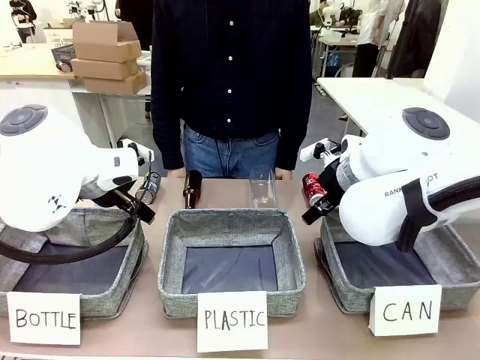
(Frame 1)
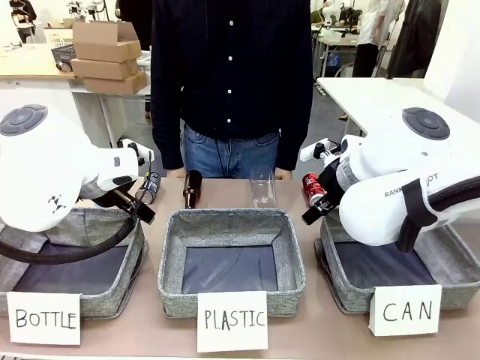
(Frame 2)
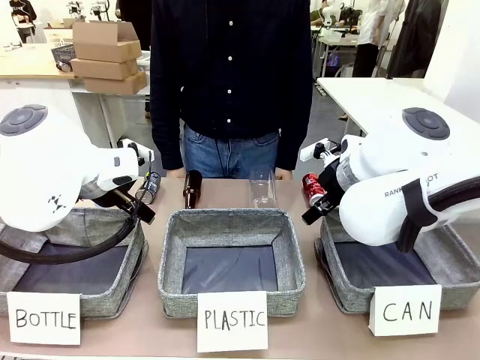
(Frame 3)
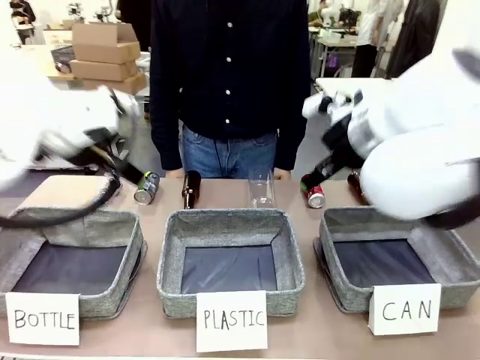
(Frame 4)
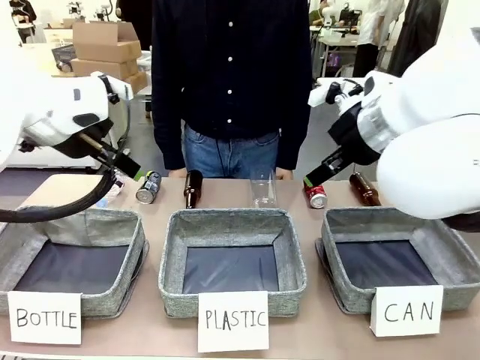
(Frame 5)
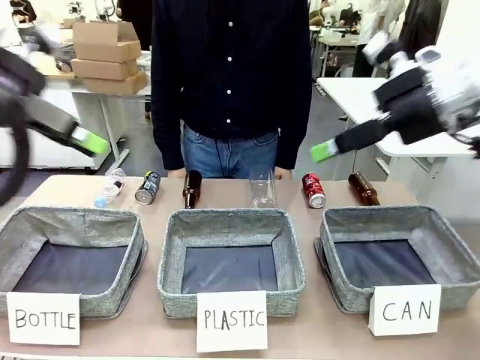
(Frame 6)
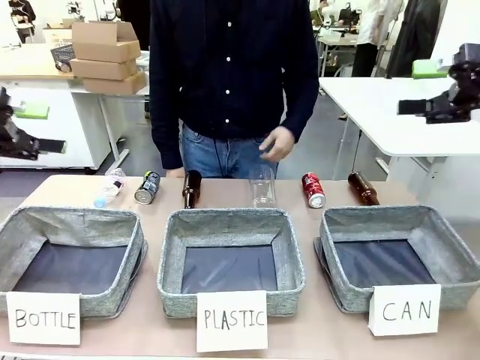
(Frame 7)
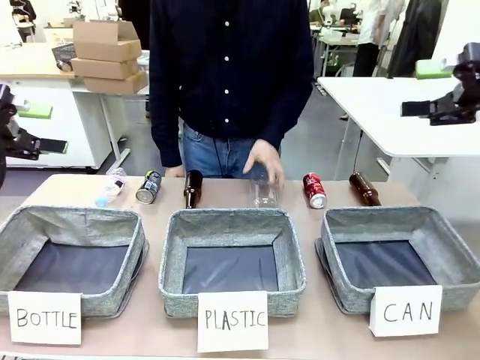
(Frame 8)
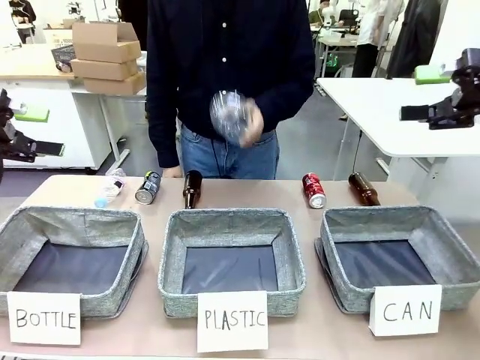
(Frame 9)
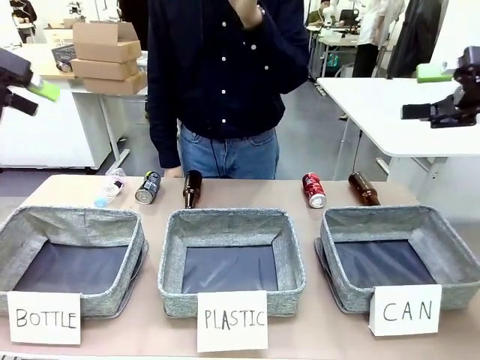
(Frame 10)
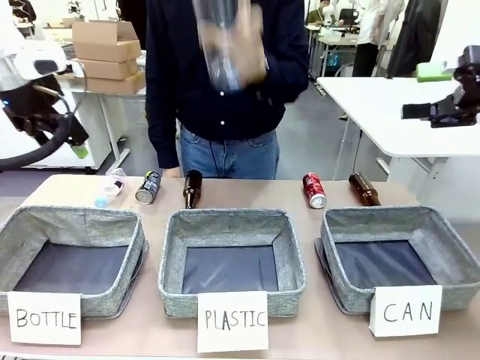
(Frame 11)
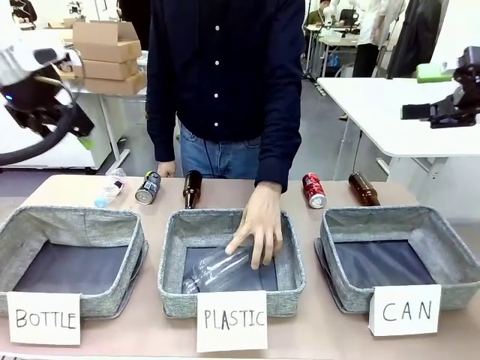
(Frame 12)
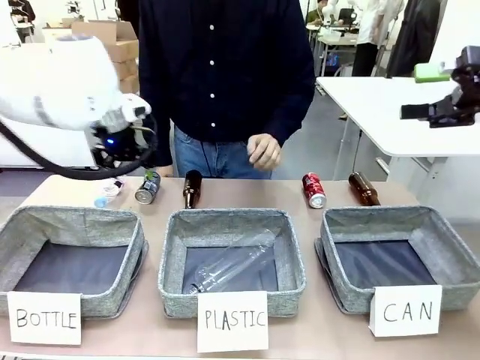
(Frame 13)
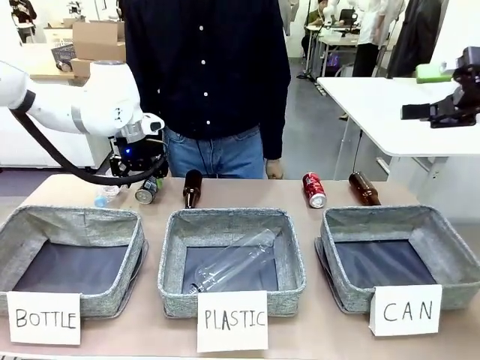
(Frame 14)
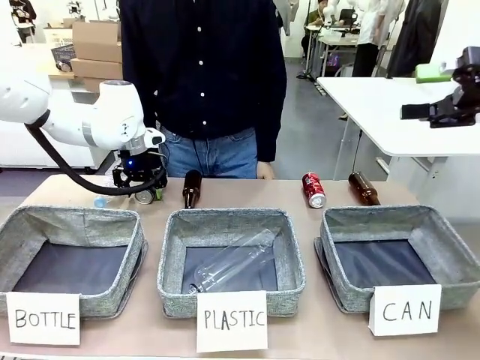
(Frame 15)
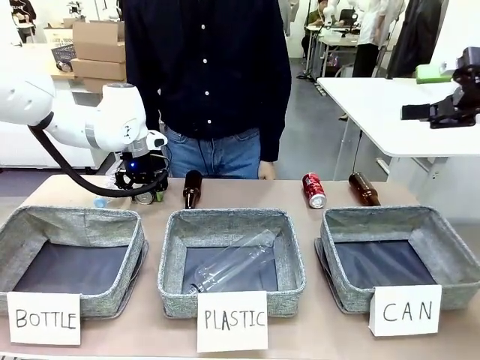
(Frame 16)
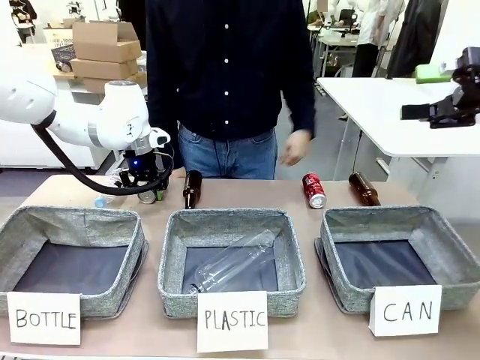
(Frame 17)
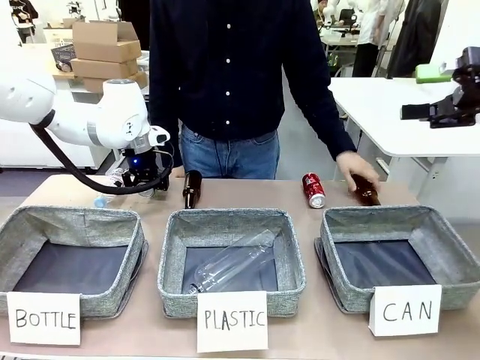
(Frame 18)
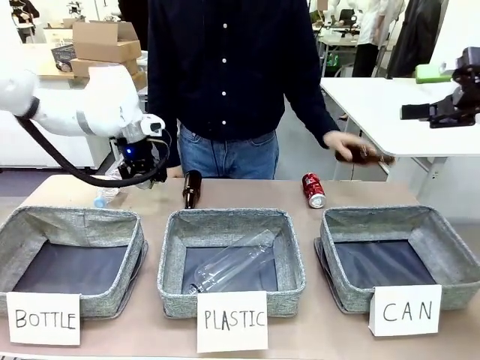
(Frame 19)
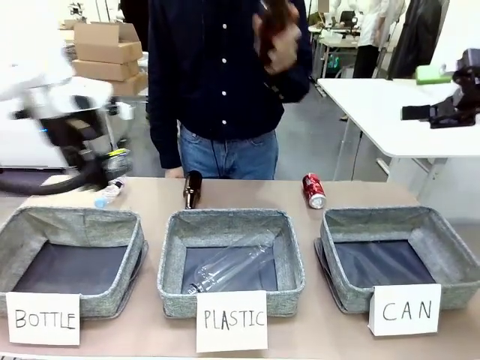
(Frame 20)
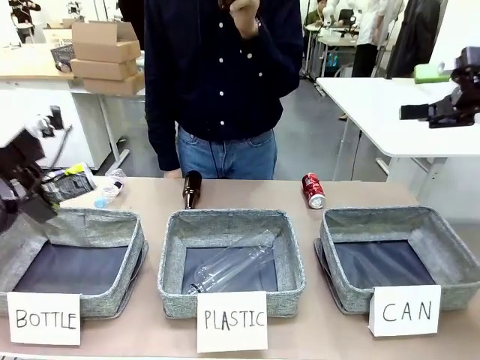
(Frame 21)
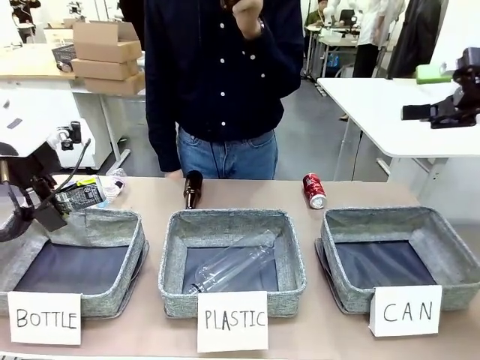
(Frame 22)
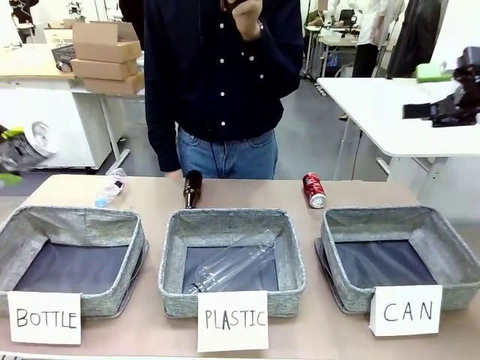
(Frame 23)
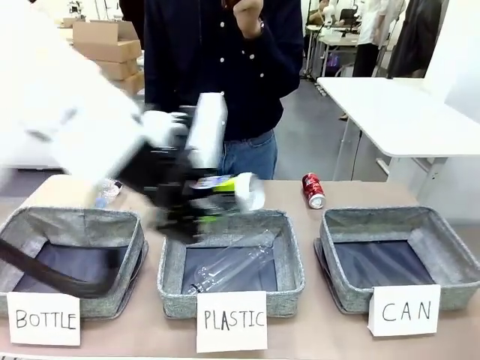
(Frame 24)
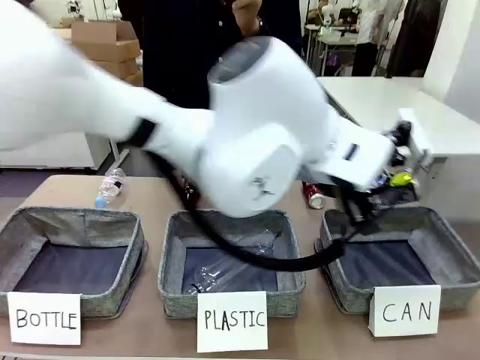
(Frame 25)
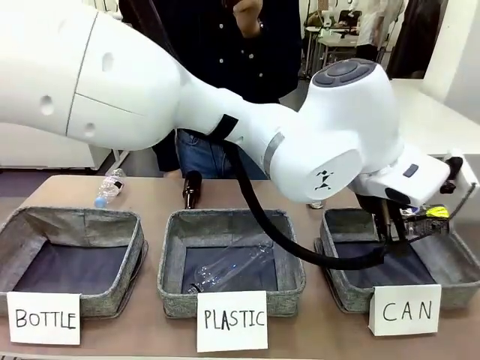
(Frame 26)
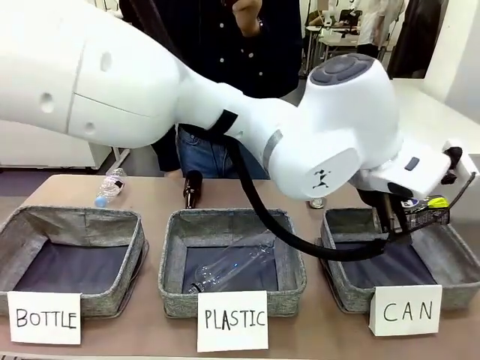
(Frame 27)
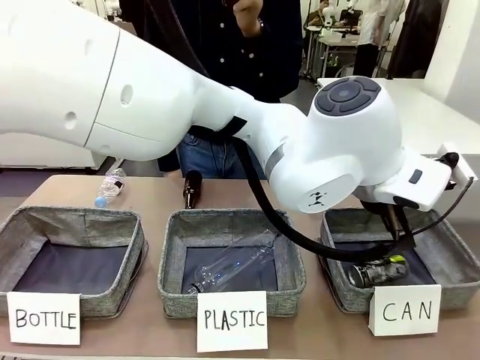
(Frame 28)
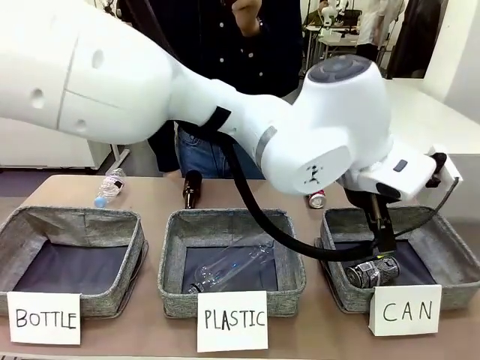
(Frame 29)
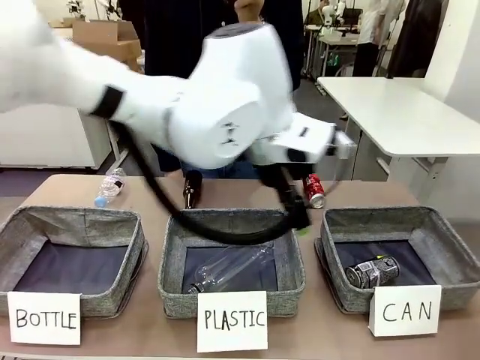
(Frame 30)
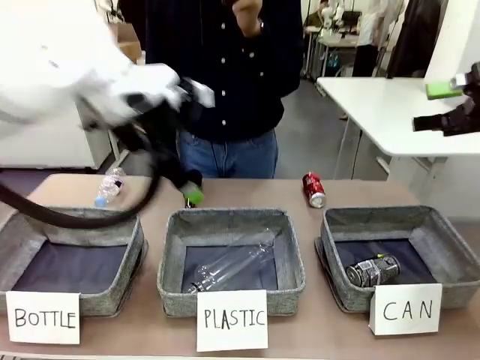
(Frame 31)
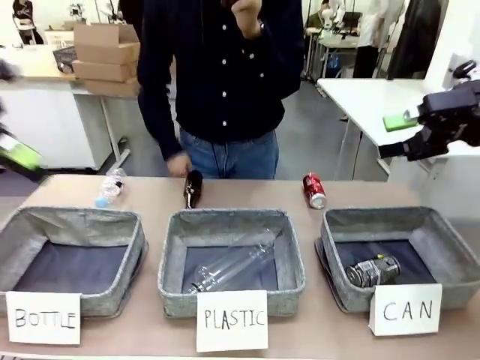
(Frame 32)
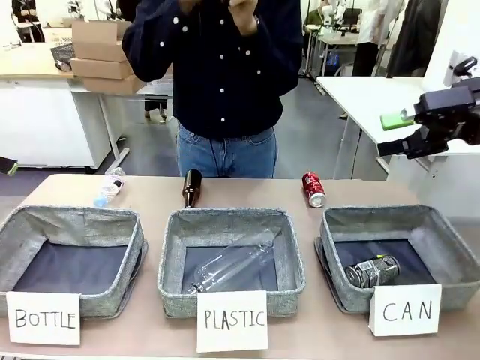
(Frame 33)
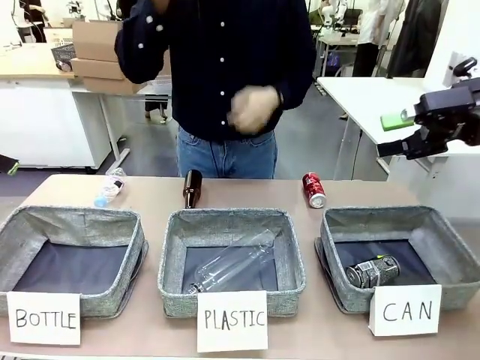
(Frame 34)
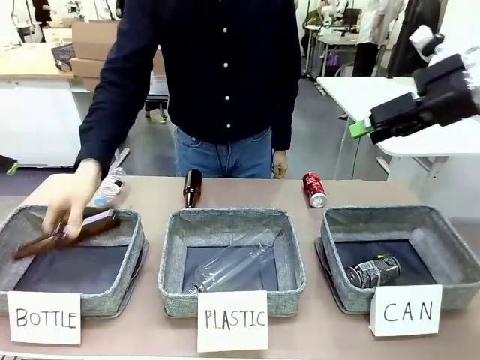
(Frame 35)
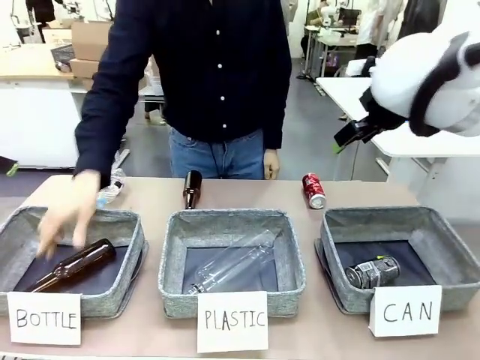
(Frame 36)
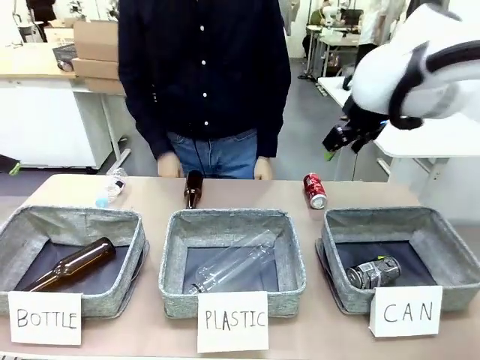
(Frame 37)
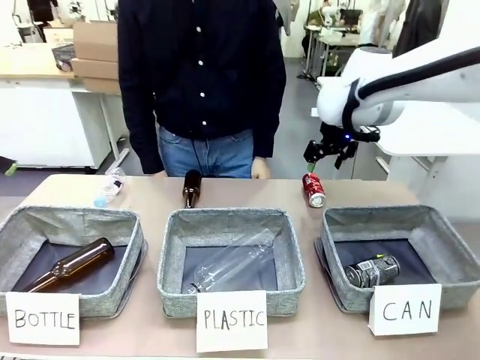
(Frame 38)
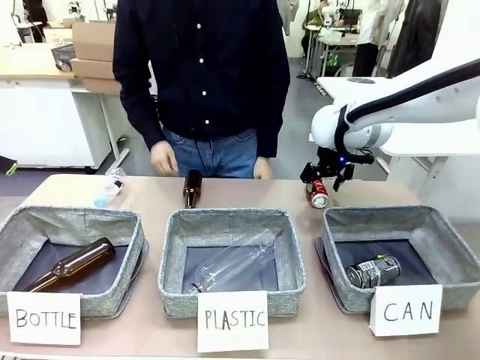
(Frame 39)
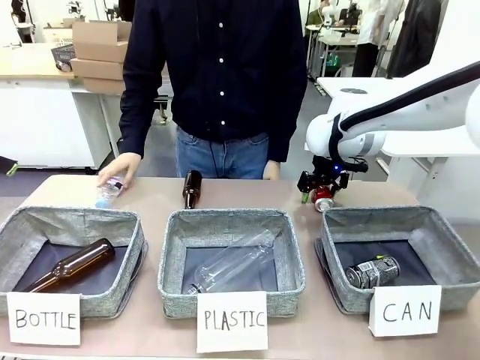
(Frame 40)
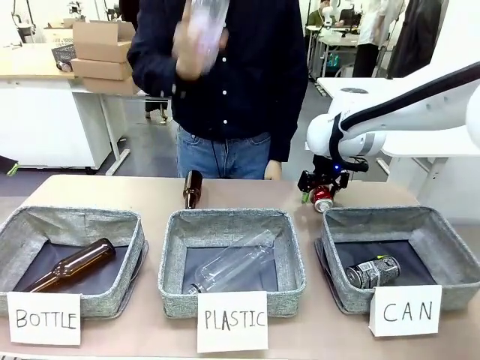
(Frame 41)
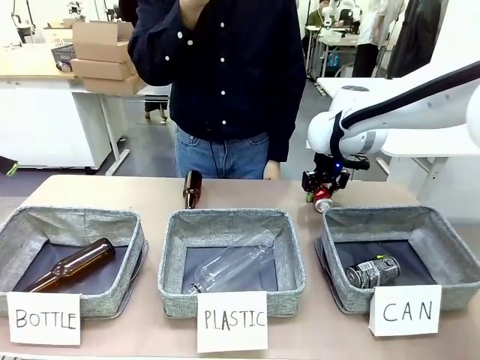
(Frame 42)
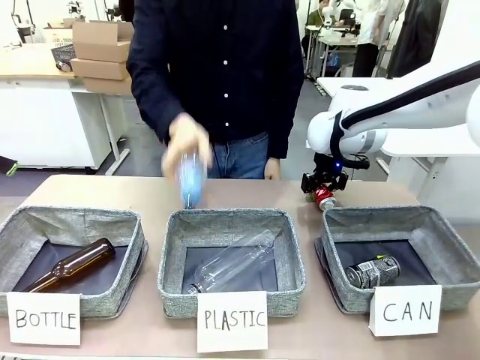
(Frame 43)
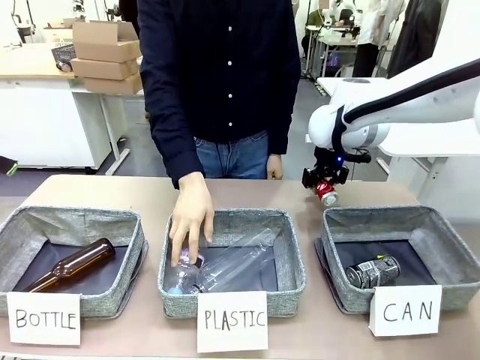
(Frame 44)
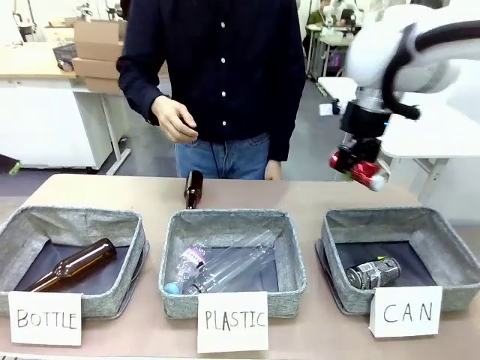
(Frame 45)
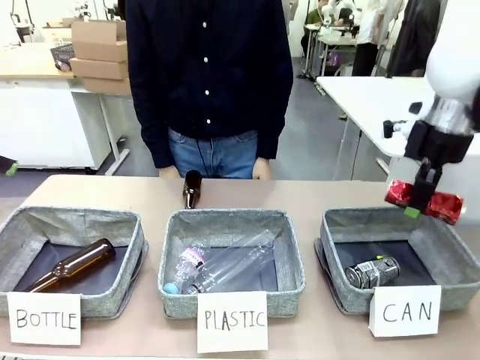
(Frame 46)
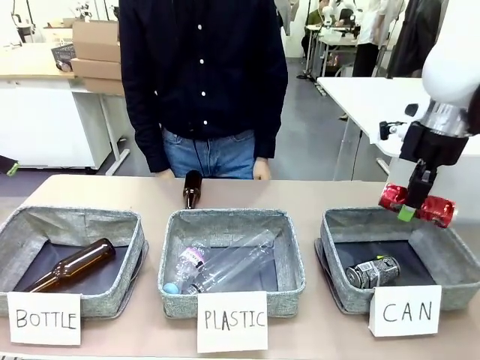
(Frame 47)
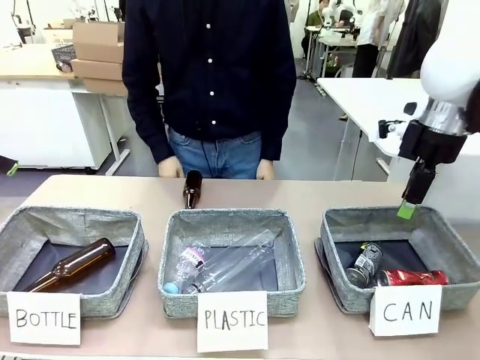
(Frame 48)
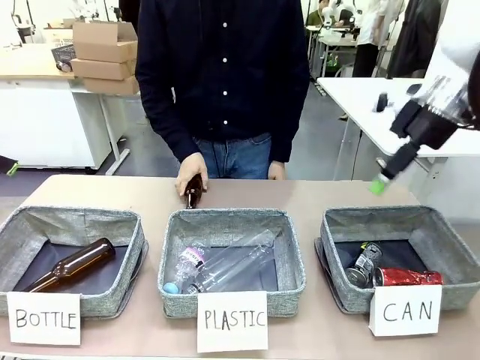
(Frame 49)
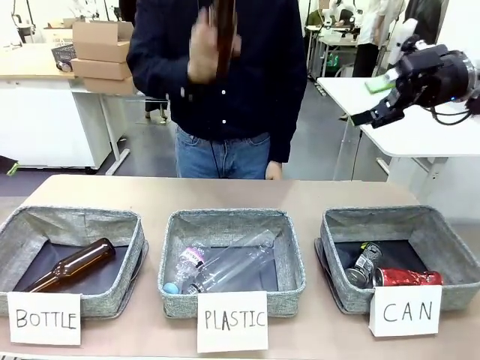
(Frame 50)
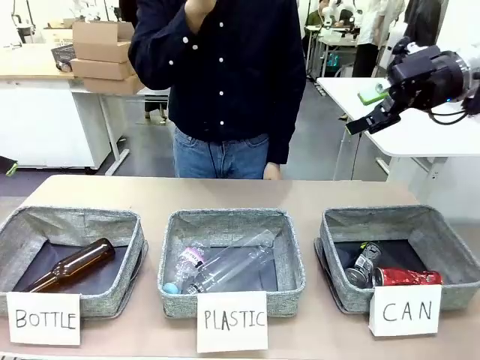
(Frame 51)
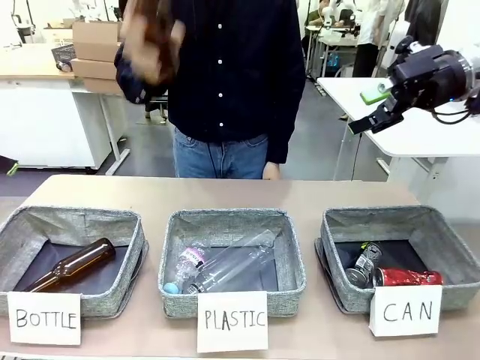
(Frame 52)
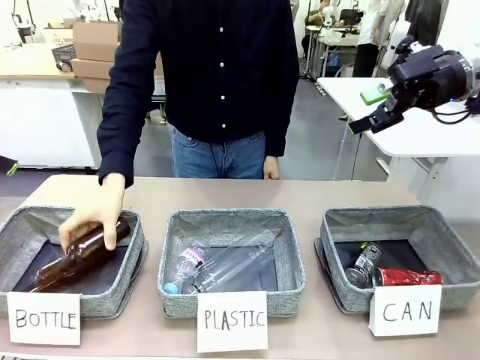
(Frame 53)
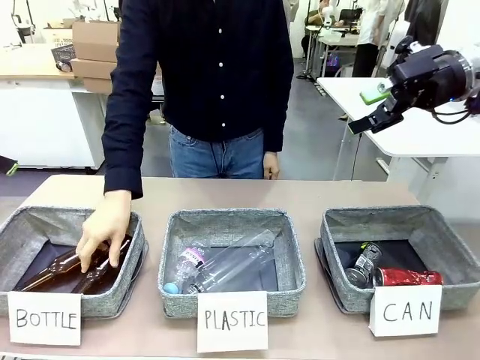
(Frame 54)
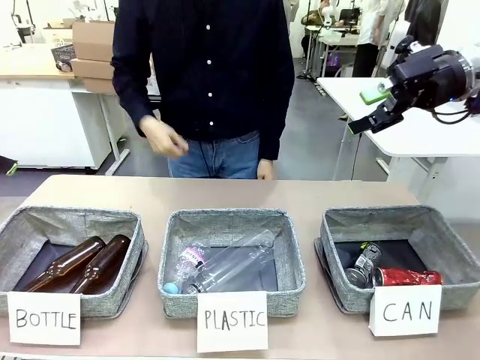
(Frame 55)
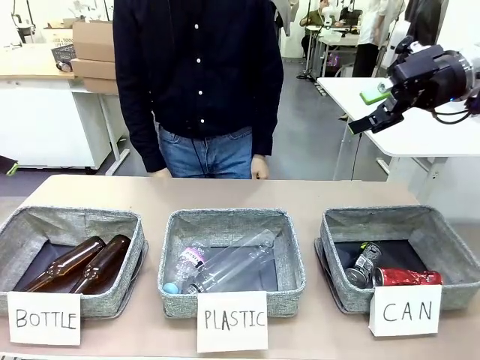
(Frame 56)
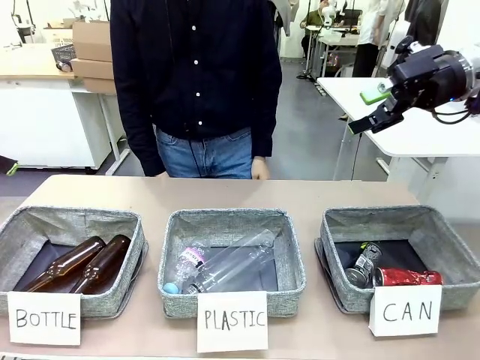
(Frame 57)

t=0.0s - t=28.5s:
Task: Sort the can waste into the basket.
Robot: Pick up the can waste from the table and place it in the right Fabric basket.
Person: The human picks up one piece of trash that is not a can and places the trash into the appropriate organizing basket.
